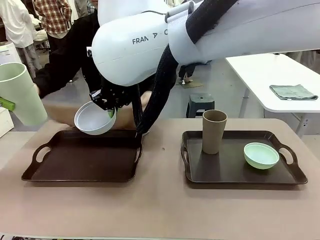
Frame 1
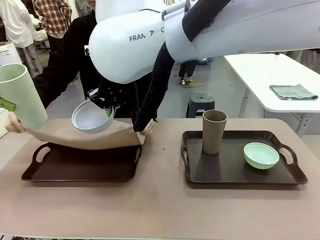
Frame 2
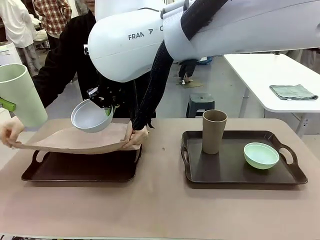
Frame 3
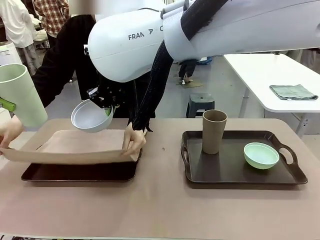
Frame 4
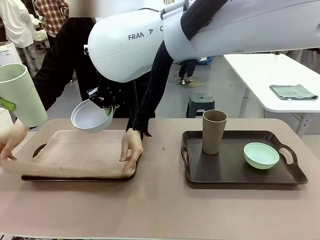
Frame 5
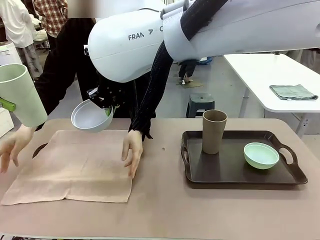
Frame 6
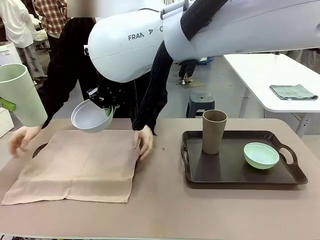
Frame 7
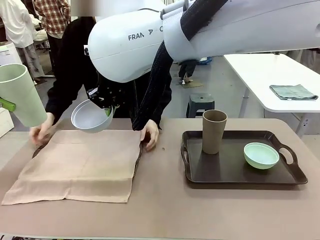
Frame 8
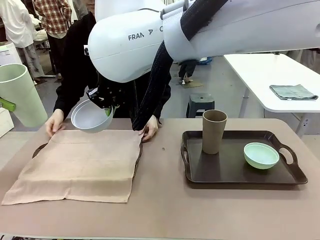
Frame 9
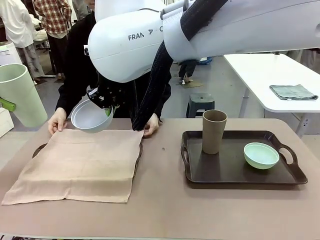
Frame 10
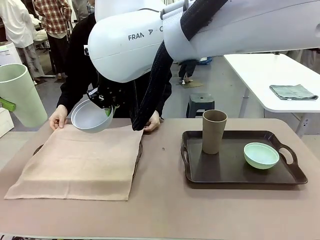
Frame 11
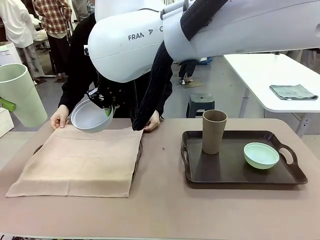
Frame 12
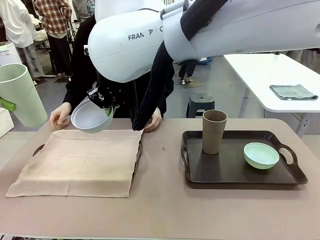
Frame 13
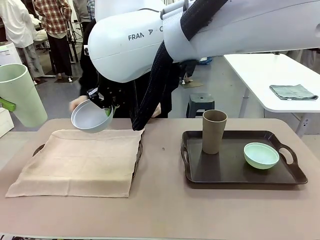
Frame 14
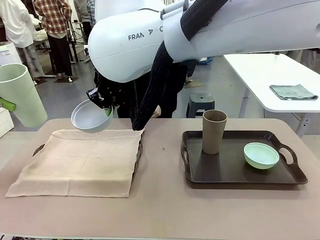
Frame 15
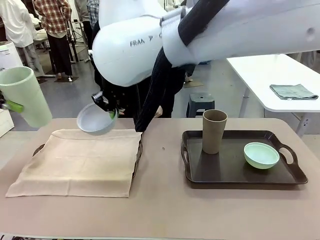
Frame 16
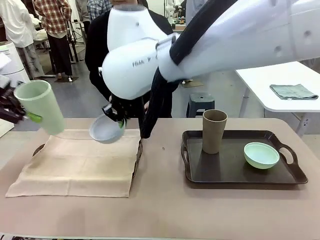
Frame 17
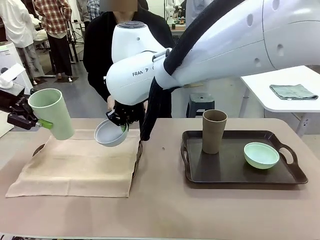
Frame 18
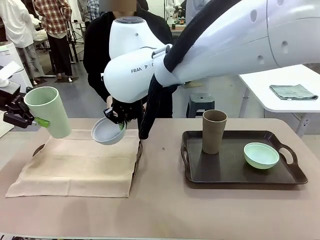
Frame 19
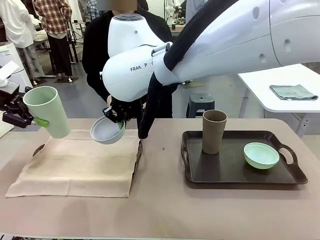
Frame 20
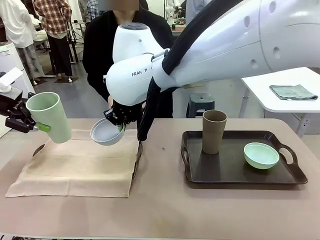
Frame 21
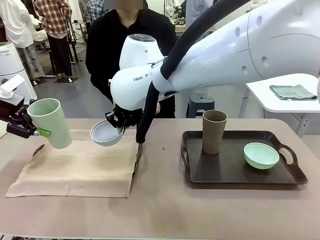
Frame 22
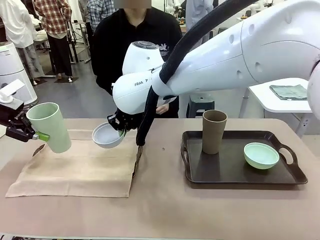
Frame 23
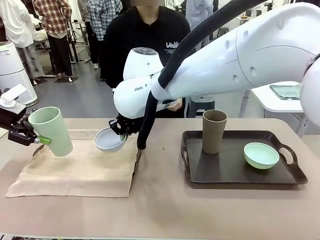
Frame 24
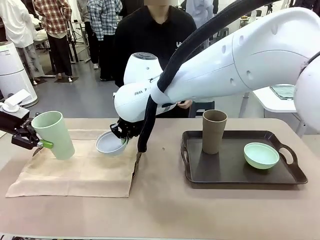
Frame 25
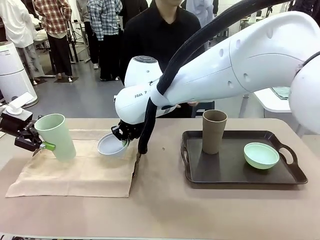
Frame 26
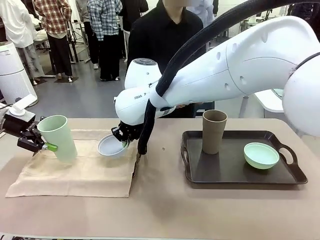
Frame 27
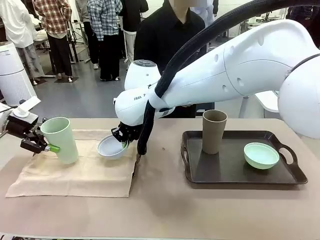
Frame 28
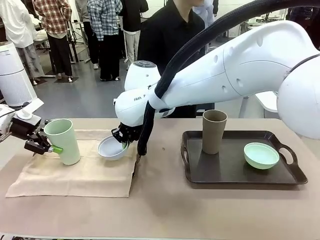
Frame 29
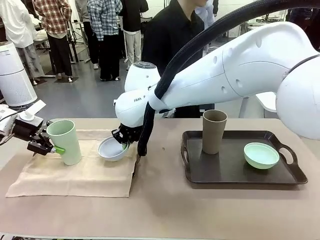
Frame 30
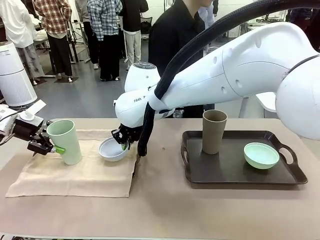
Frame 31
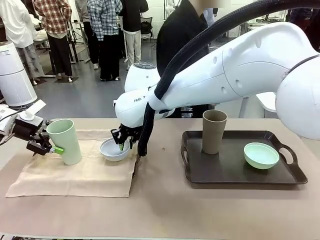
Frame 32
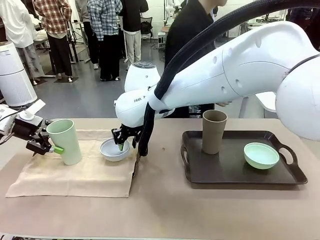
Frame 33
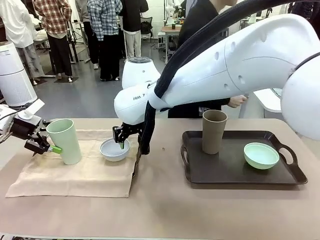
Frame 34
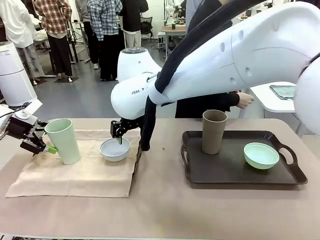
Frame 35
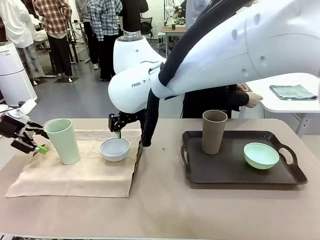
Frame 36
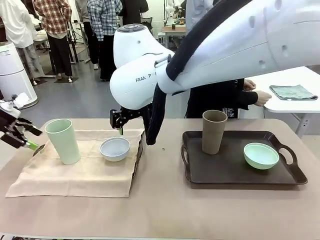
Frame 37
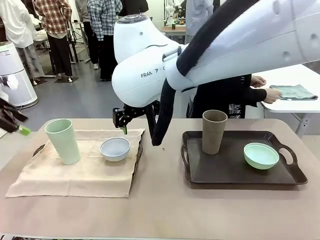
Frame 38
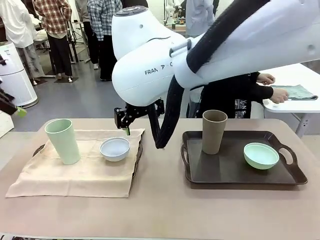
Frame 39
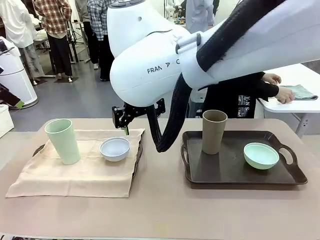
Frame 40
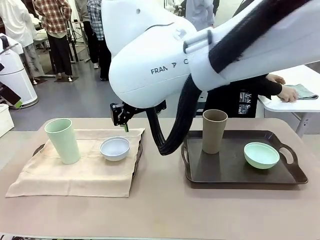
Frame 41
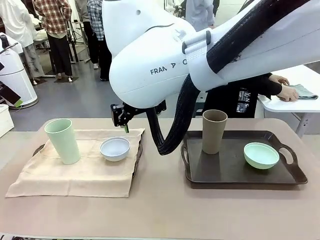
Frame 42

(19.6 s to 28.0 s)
Robot: Place the Picnic Bowl and Reusable plastic cup back onto the Handle tray in front of the human's position.
Person: The human returns to the human table to pick up another napkin and walks to the robot table to stand in front of the tray without a napkin.

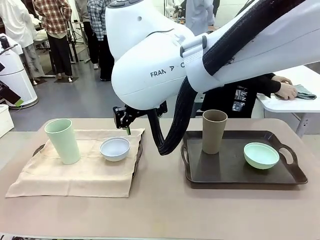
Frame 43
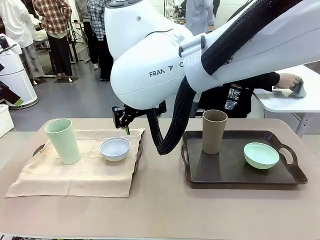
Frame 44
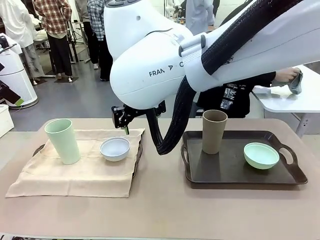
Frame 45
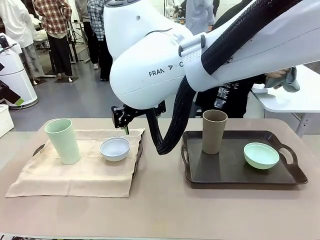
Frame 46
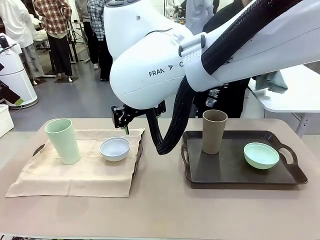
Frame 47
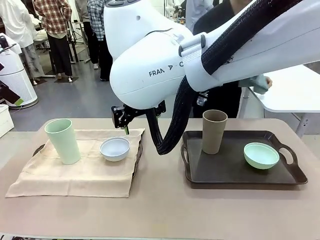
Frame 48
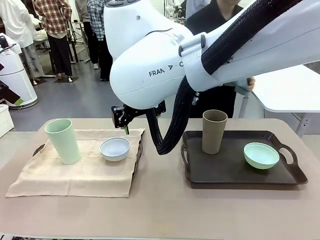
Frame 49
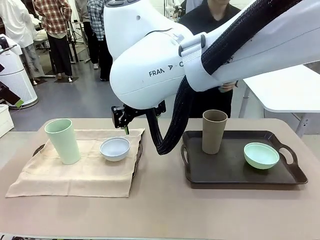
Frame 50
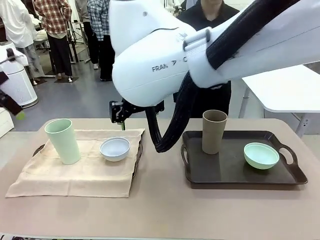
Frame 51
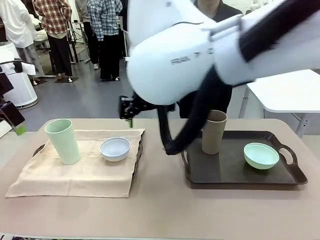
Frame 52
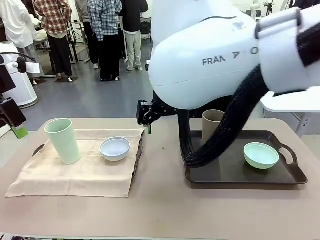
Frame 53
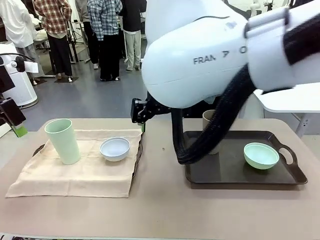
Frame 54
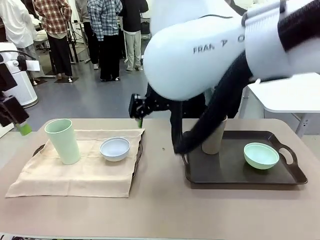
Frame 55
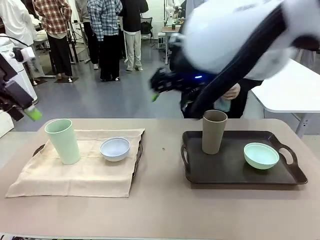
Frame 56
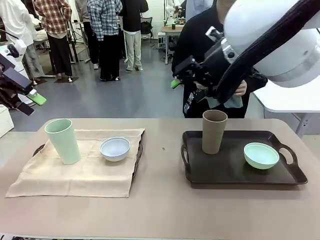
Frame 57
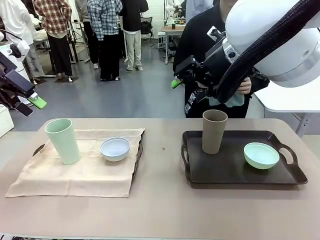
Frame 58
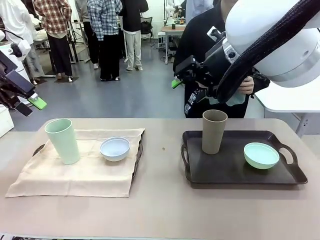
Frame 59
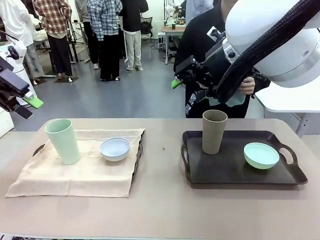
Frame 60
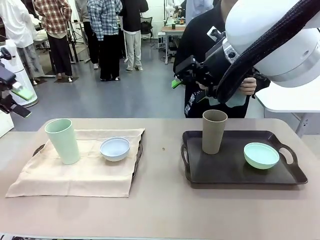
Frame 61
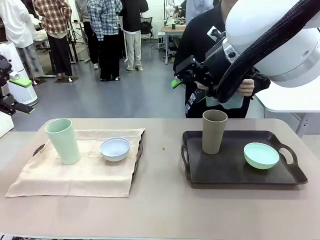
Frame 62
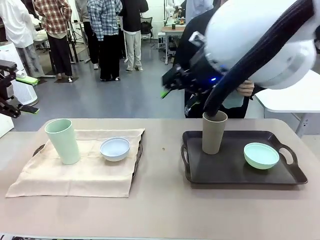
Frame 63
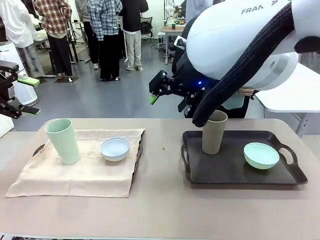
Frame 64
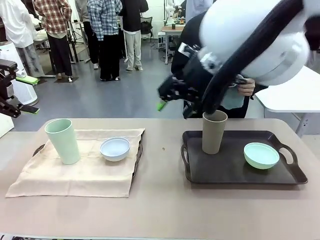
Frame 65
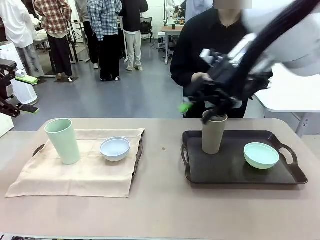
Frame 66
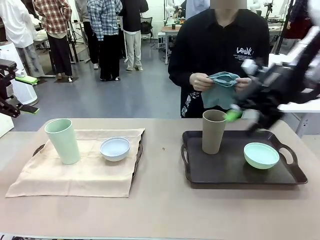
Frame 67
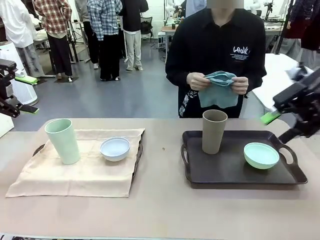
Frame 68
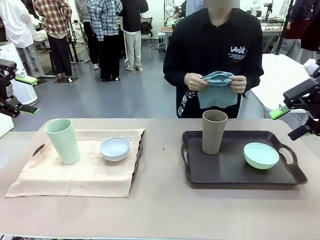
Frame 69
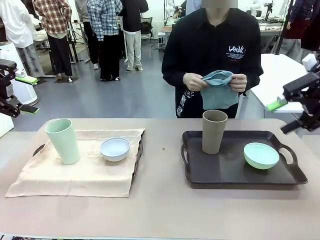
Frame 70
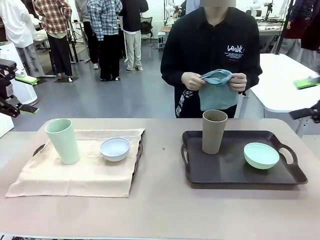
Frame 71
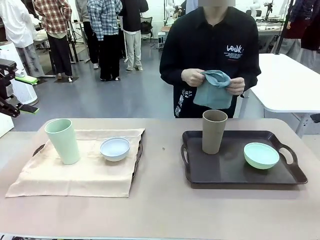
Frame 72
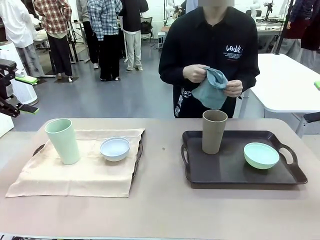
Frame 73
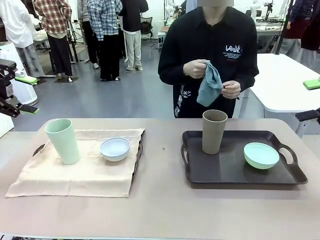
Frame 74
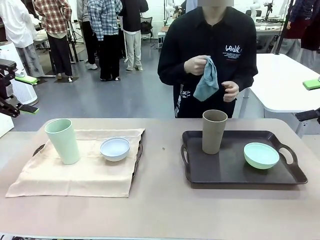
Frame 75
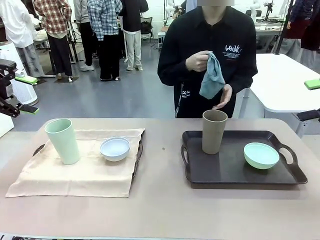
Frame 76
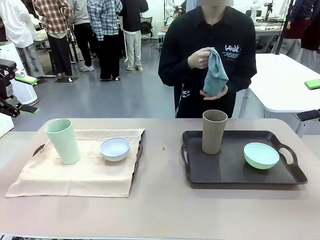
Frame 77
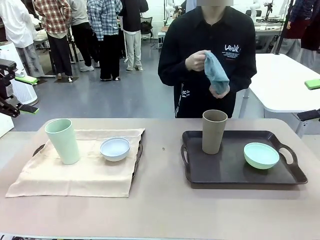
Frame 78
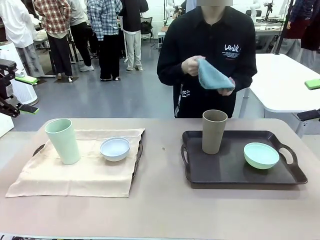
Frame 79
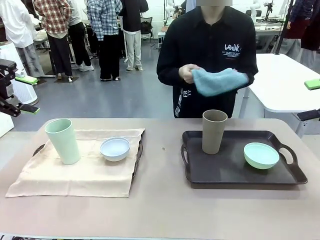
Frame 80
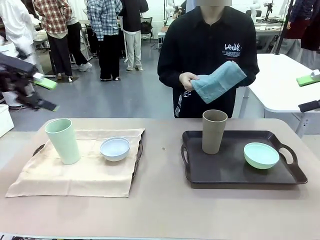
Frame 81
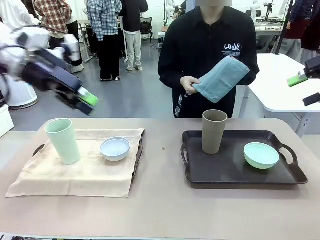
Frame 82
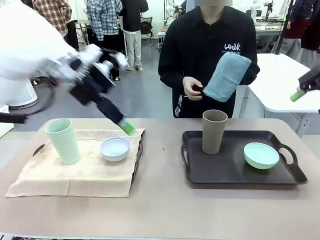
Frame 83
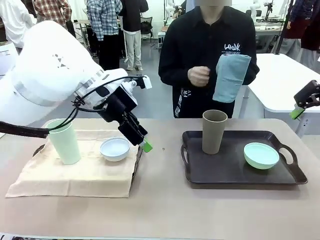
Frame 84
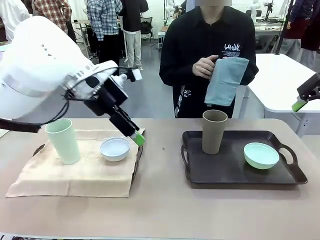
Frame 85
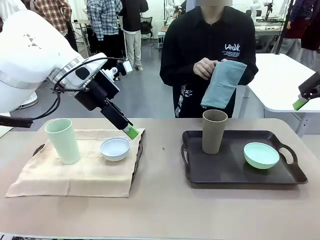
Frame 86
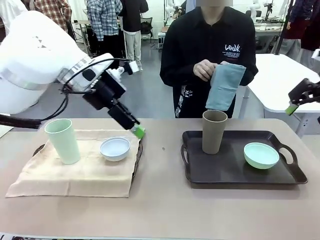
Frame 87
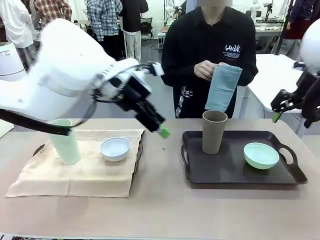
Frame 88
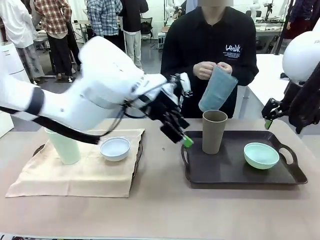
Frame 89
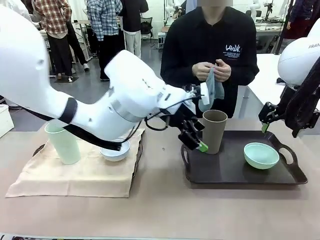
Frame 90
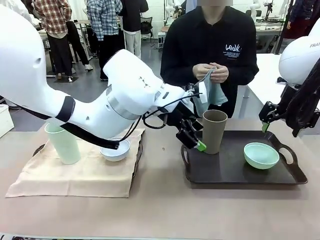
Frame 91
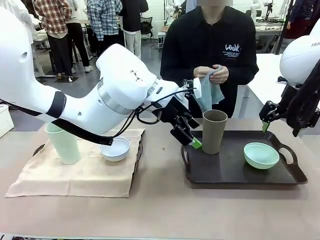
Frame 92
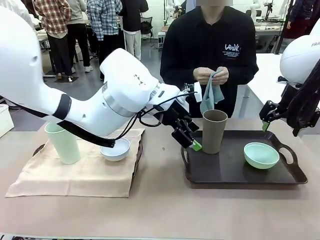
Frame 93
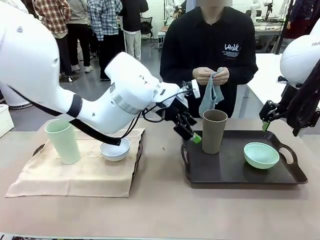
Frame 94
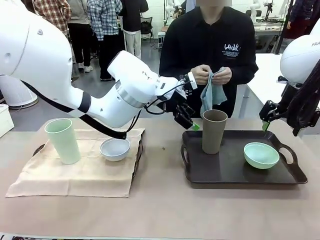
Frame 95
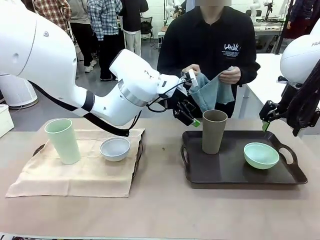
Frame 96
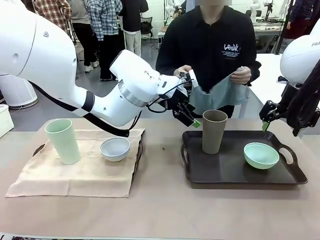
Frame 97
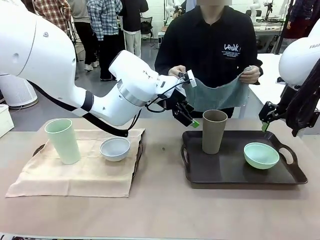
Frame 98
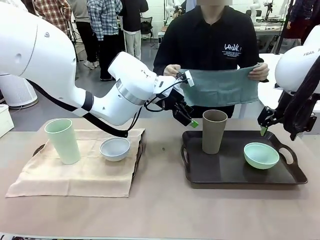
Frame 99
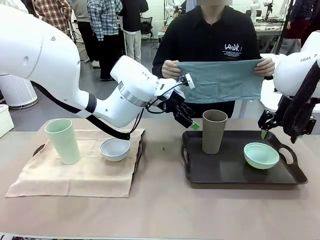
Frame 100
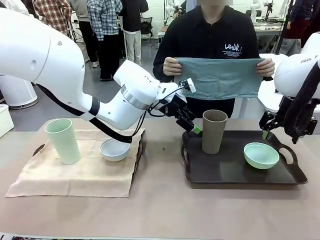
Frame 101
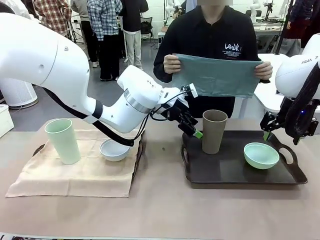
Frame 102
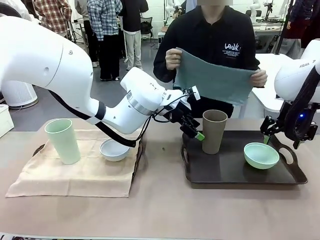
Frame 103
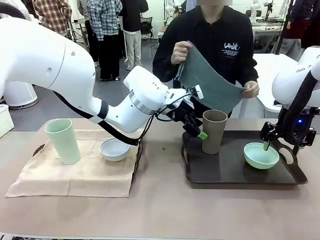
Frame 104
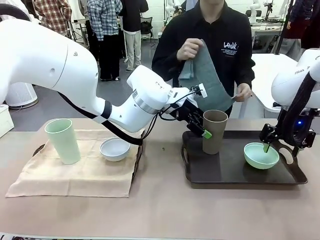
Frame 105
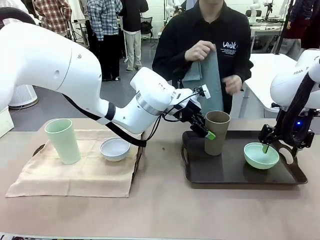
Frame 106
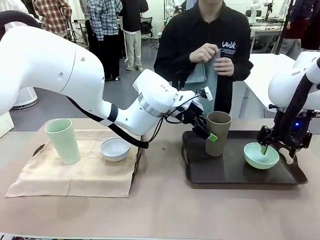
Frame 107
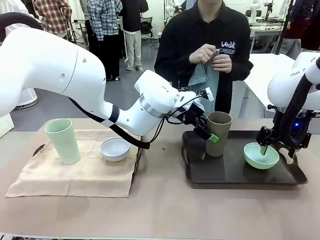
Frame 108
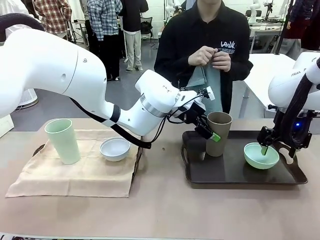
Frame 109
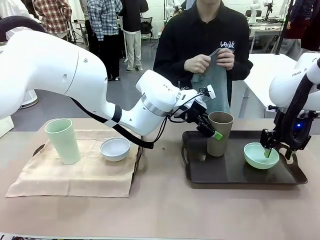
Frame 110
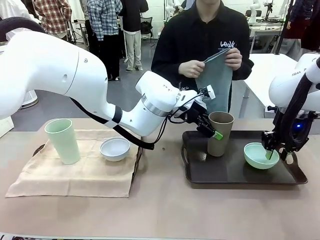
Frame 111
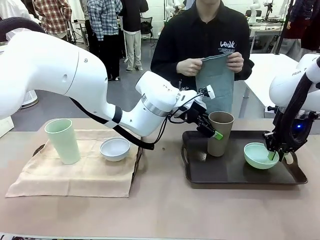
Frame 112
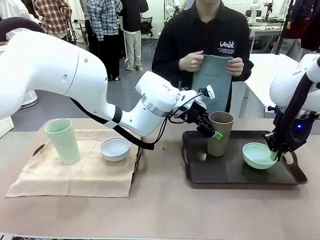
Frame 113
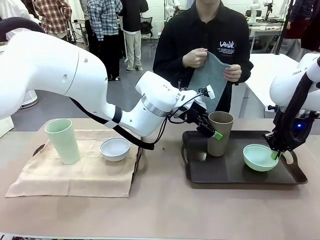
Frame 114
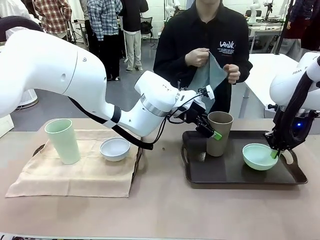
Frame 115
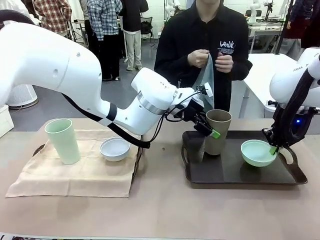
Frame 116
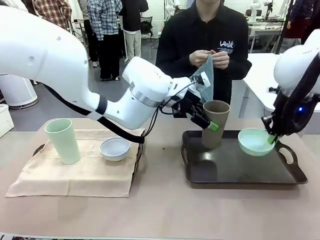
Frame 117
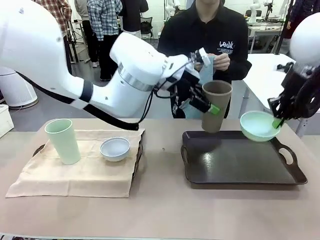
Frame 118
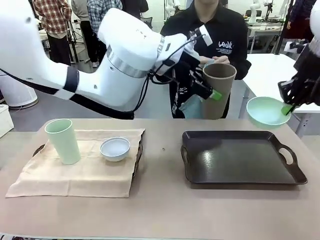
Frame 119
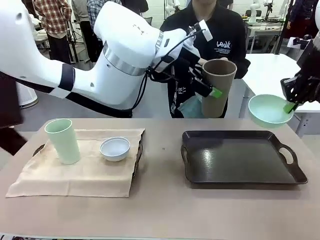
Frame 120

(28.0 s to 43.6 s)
Robot: Pick up the Picnic Bowl and Reusable plastic cup from the Handle tray in front of the human's position and hold them in the air.
